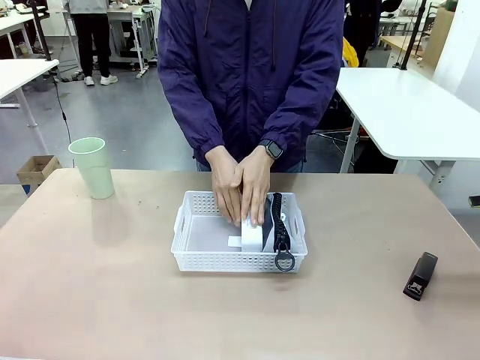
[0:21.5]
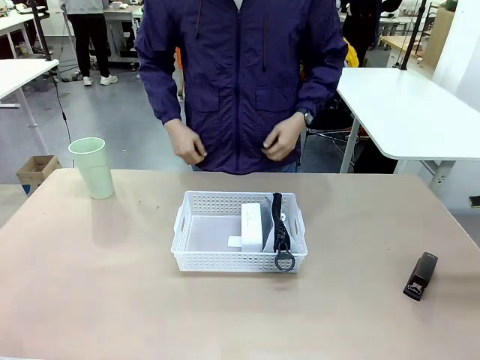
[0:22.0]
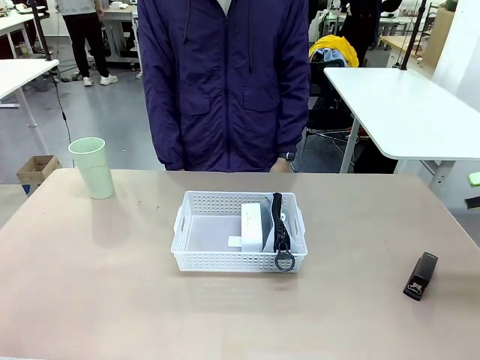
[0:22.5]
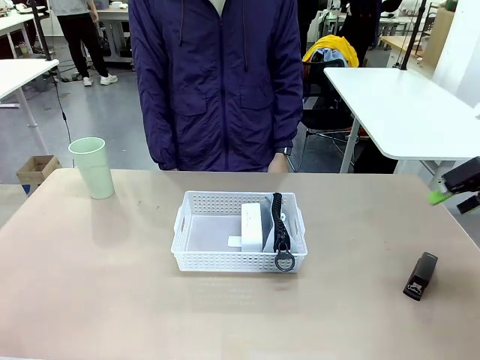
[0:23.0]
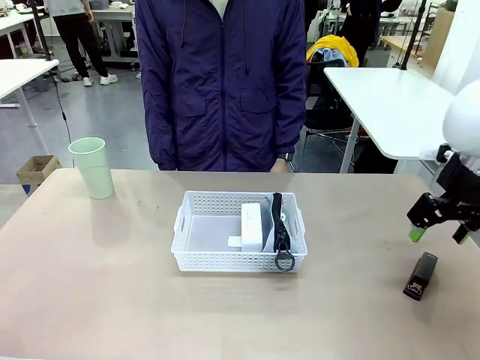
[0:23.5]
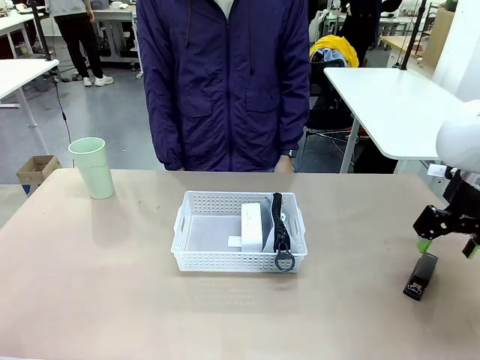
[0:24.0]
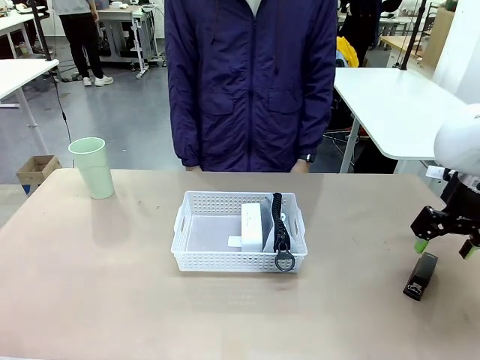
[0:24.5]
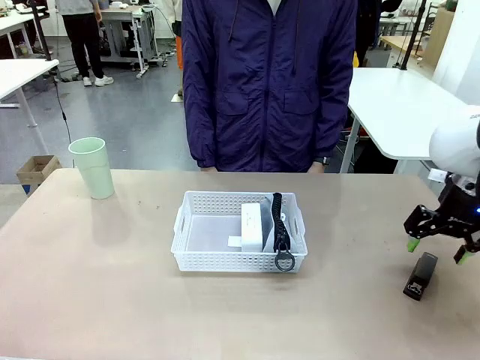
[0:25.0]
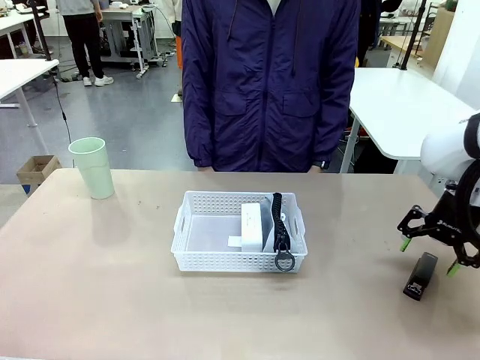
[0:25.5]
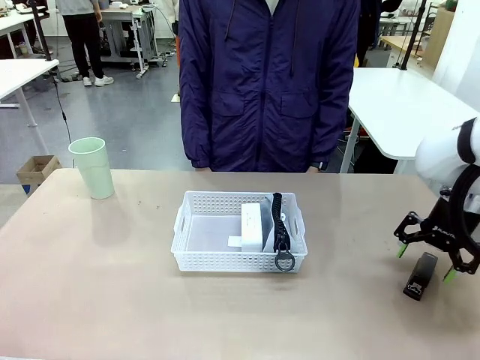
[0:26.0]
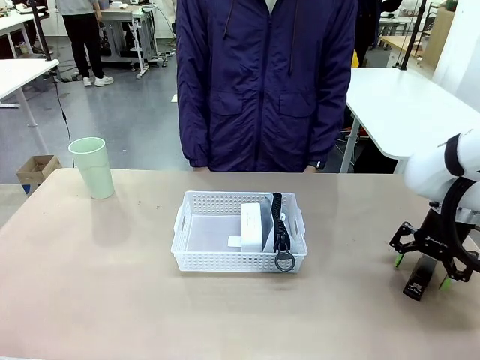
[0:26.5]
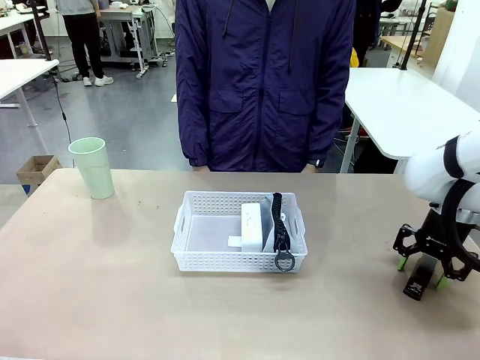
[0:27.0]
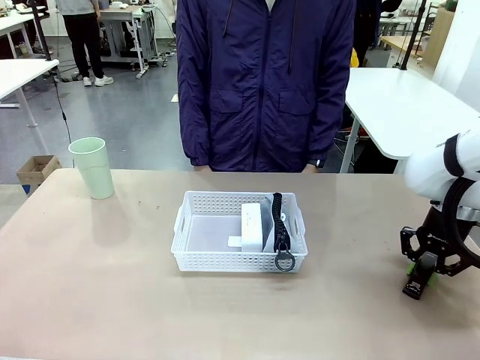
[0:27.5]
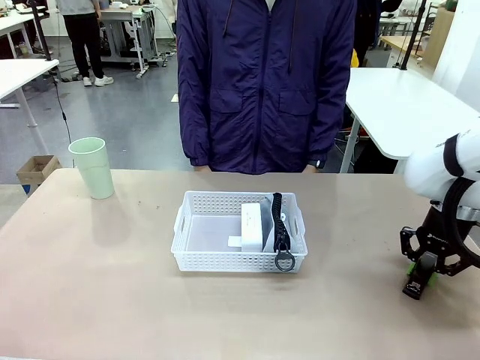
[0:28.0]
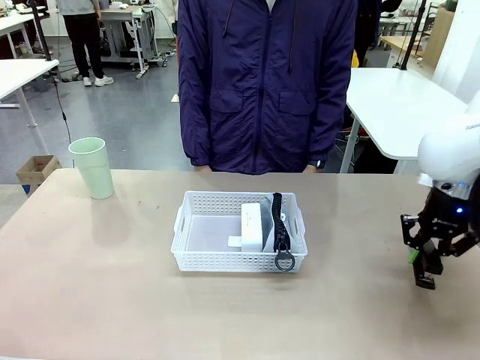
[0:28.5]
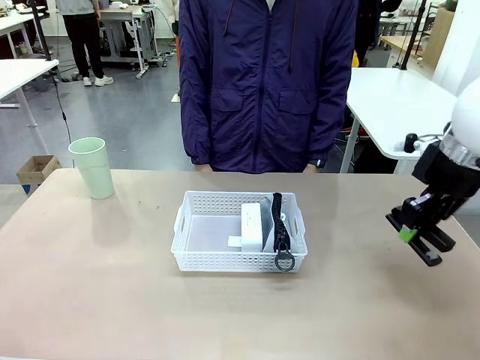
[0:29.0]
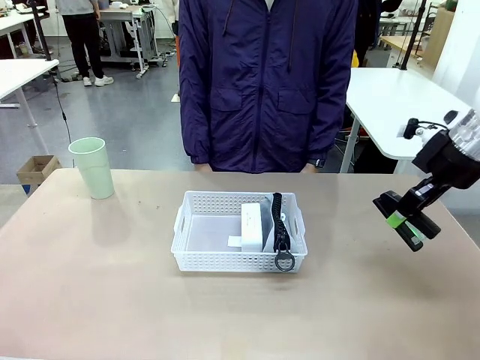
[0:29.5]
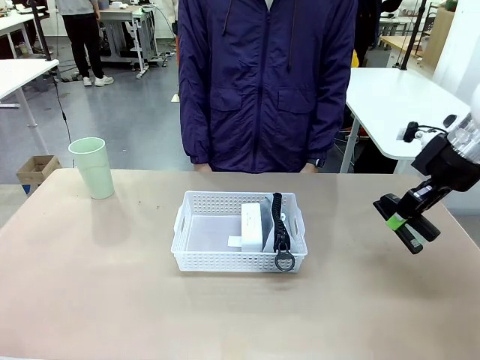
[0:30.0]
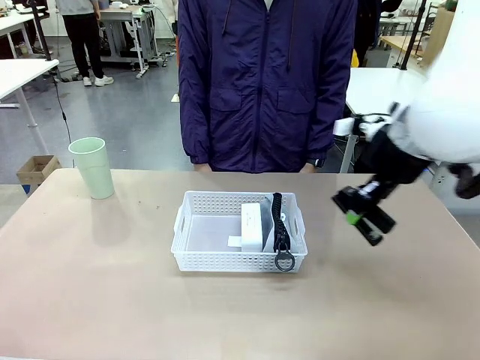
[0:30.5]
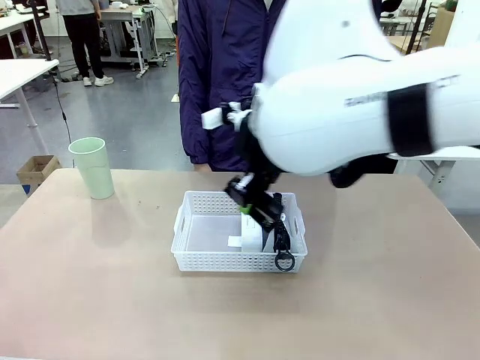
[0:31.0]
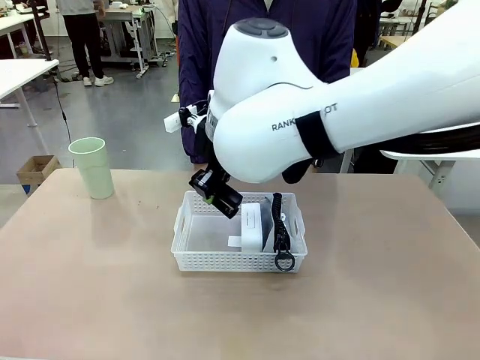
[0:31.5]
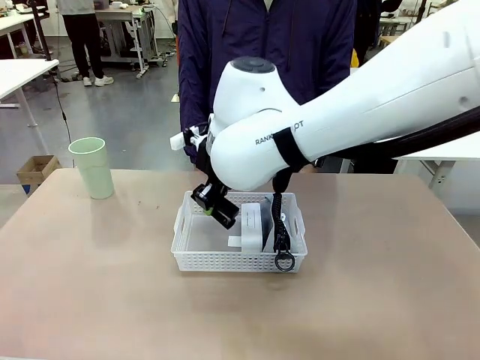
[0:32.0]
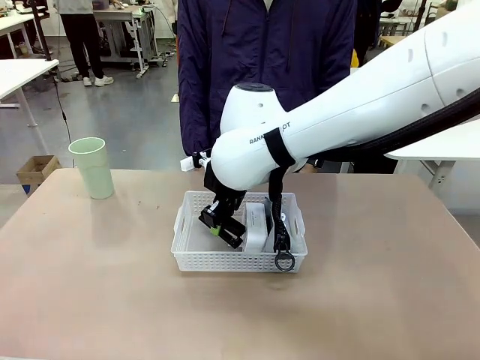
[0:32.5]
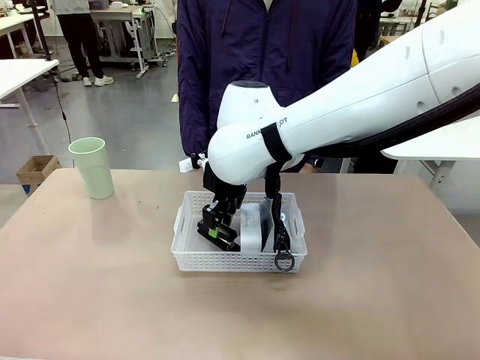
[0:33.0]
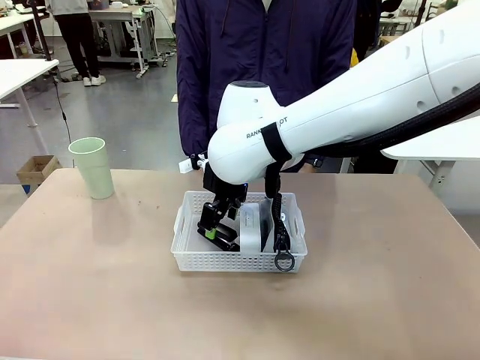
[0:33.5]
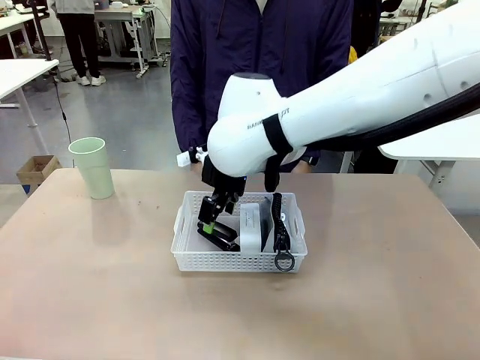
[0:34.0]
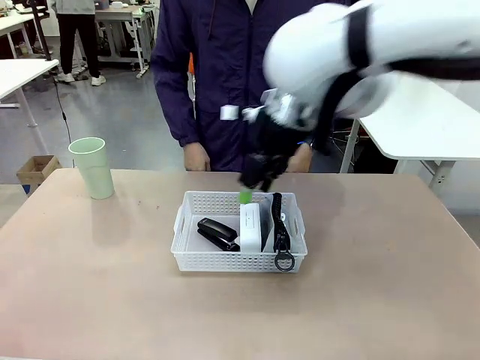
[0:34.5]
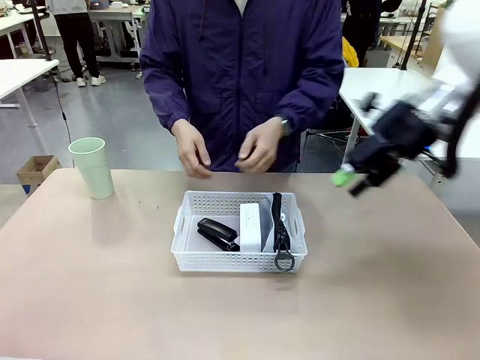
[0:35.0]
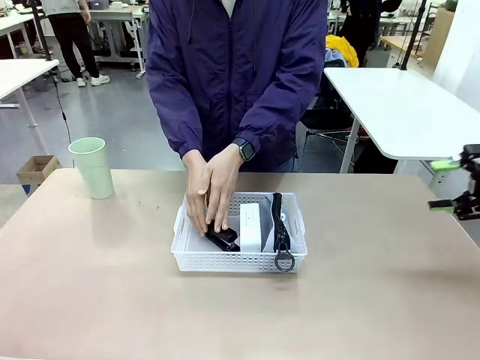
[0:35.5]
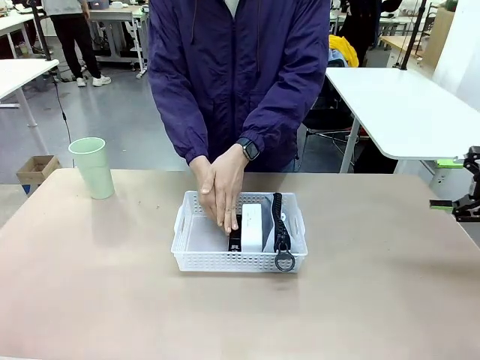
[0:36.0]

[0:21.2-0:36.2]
Task: Efficiently arrange items inside the basket to fit them all.
Robot: Pick up the Stapler and place it inside the Organizing basket.

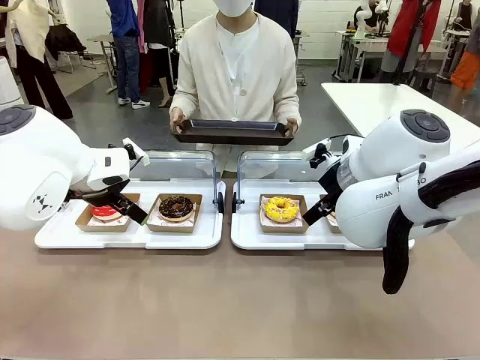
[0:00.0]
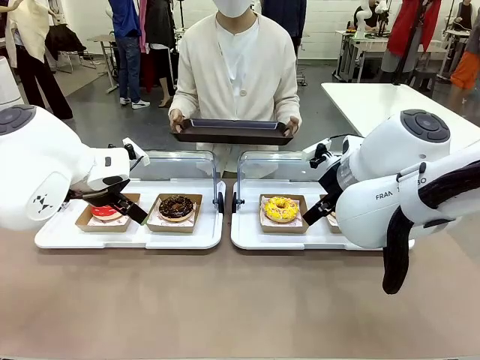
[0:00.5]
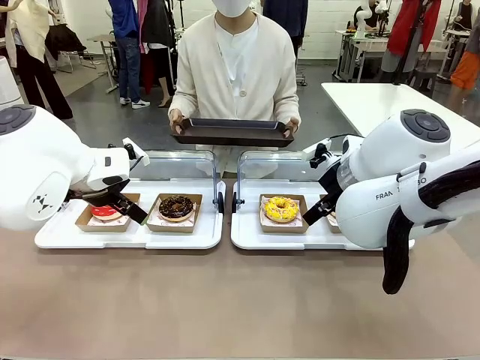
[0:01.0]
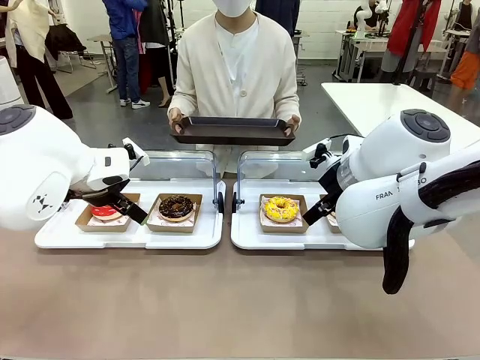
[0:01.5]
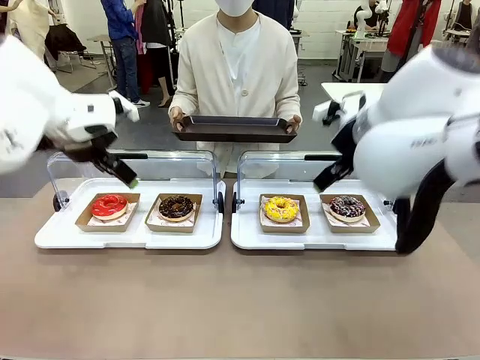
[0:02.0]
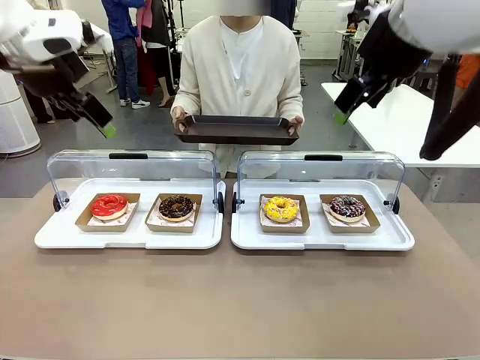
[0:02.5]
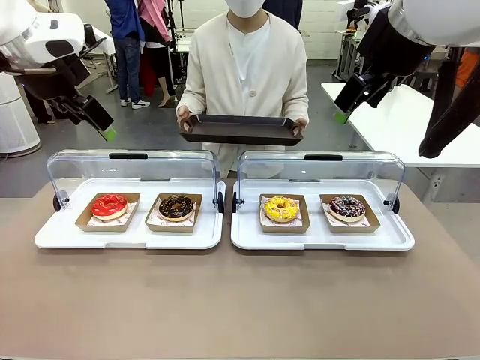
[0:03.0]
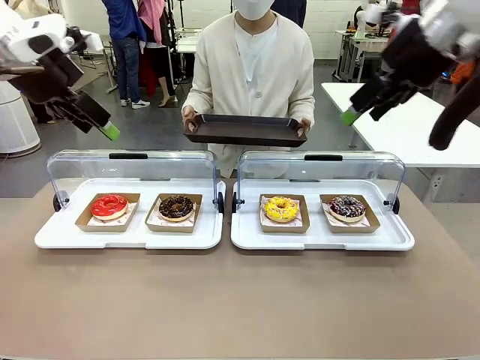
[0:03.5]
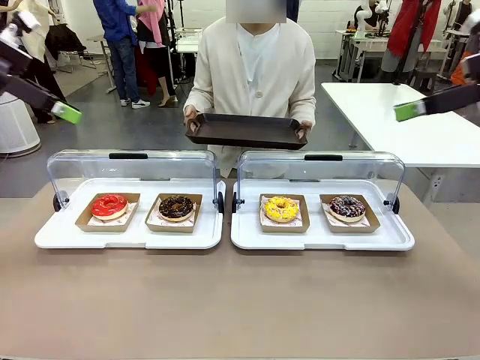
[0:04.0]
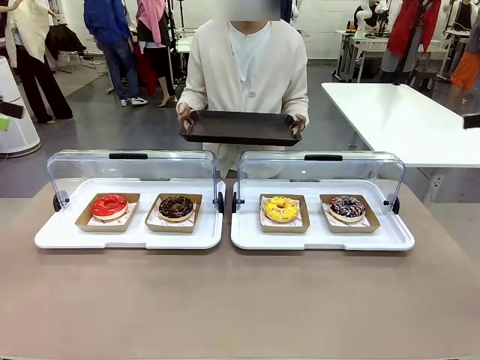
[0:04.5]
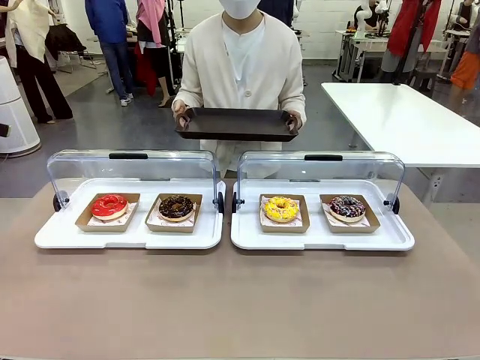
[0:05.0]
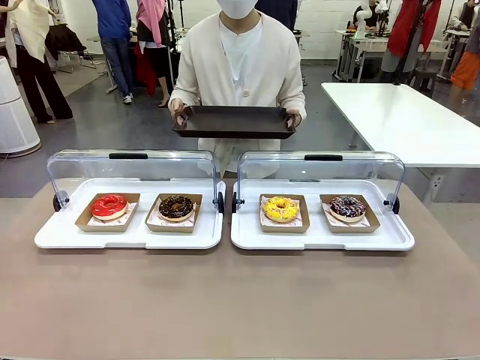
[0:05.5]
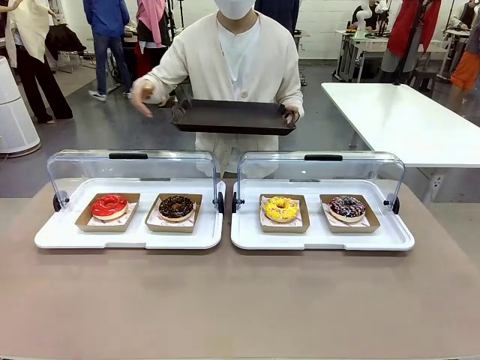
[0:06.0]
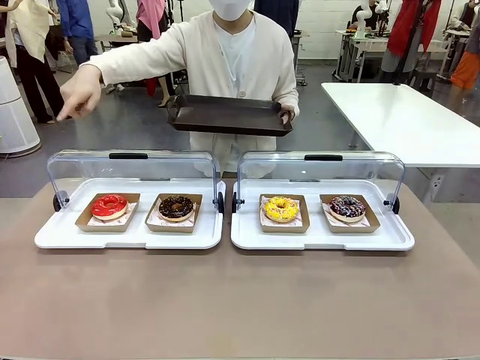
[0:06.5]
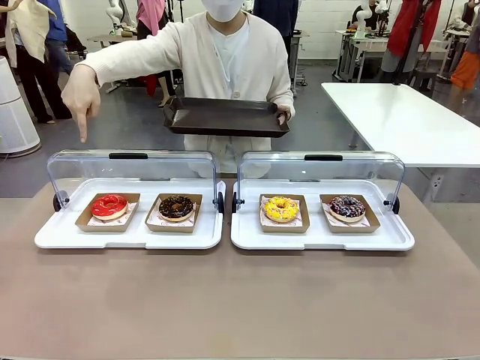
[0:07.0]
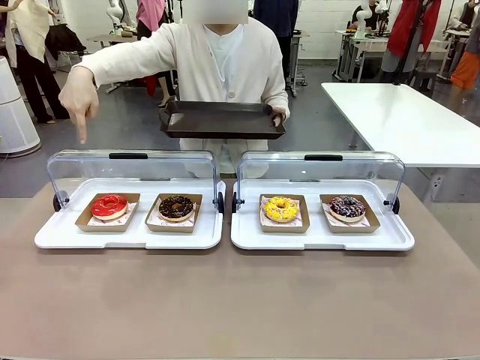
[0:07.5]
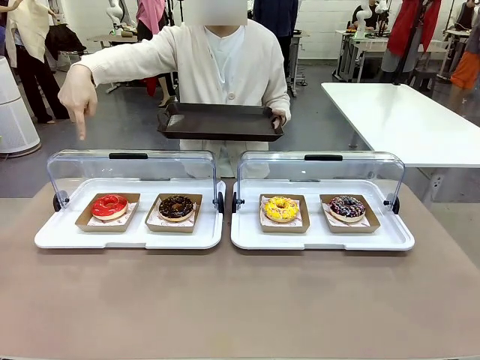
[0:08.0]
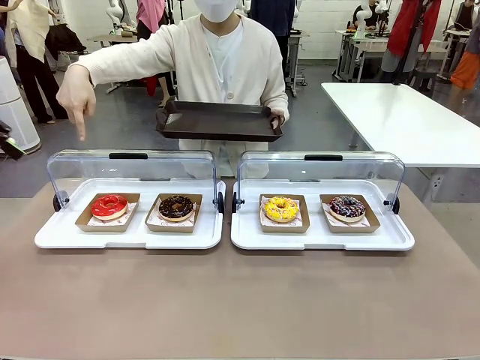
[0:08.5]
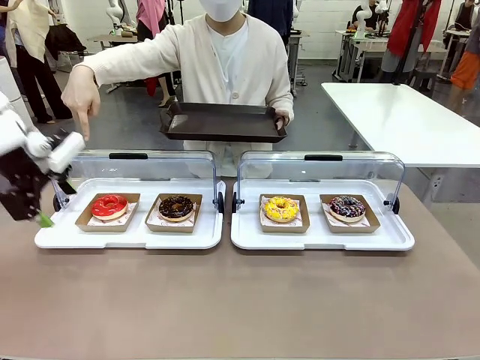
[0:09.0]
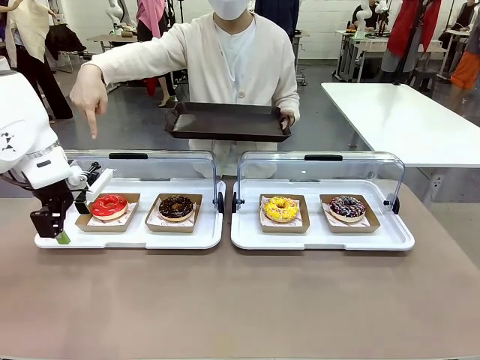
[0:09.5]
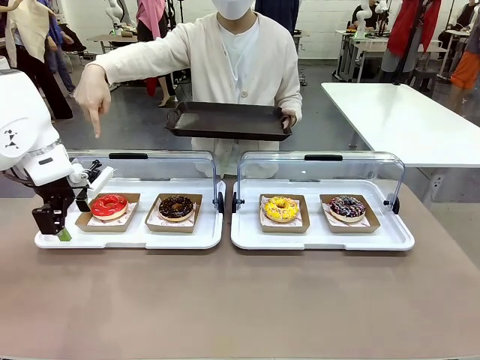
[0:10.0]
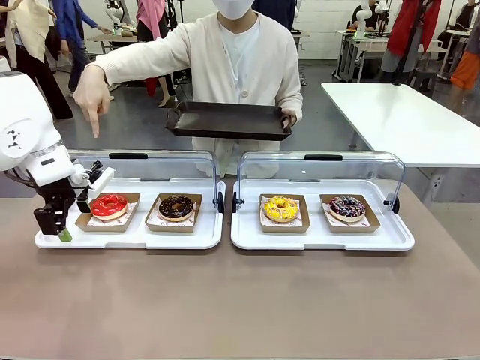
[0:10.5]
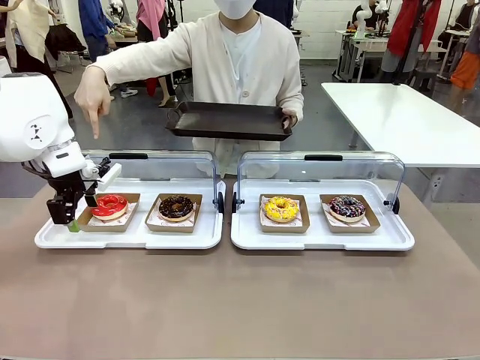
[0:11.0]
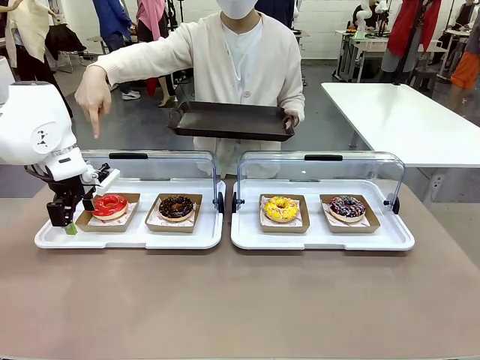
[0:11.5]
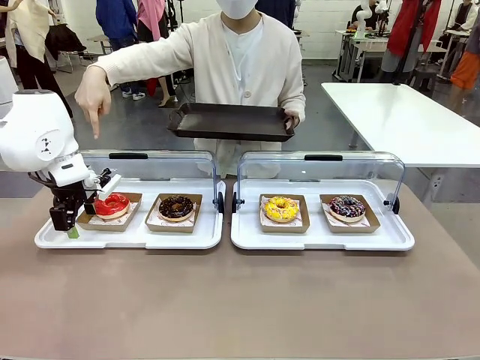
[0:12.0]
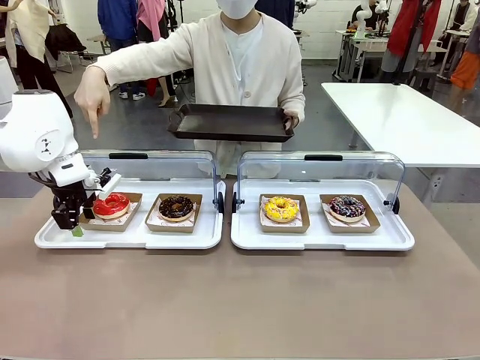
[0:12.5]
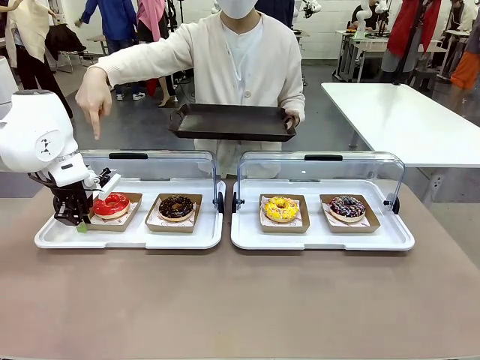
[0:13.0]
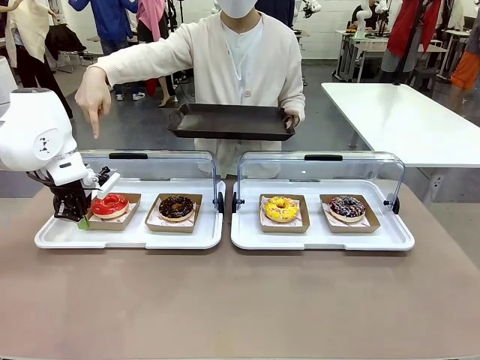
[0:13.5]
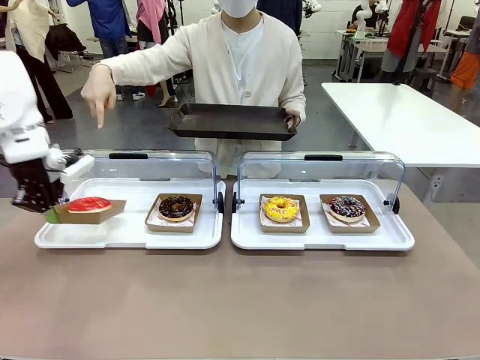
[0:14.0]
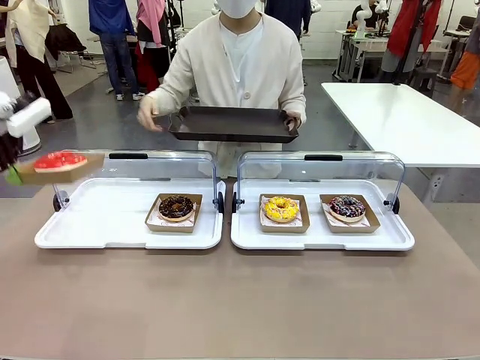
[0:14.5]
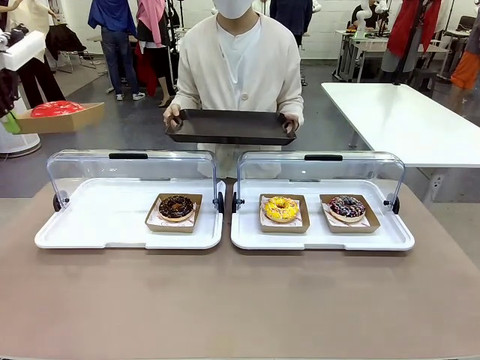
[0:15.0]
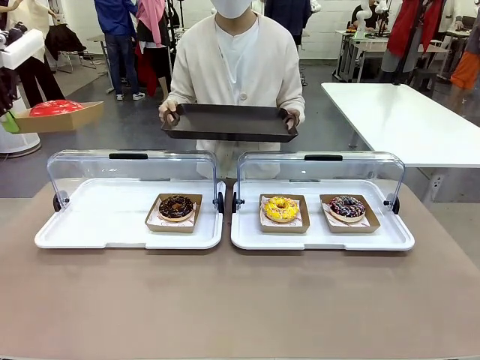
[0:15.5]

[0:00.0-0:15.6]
Task: Provide the desired donut to the person.
Robot: Pick up and lift the Paper togo box containing the Donut pointed at by the person.
Person: Point to one donut. Lift the tray onto the Roll-Top Bakery Case.
